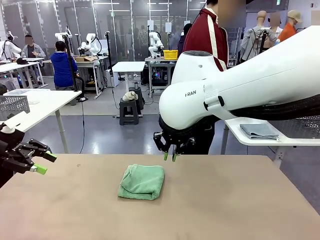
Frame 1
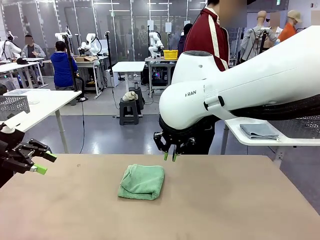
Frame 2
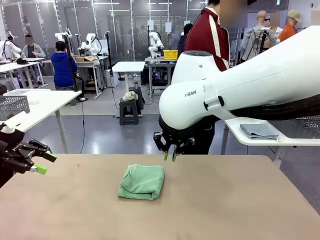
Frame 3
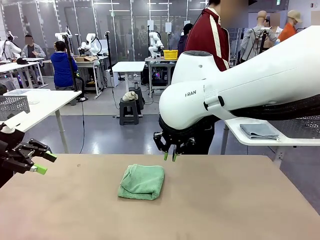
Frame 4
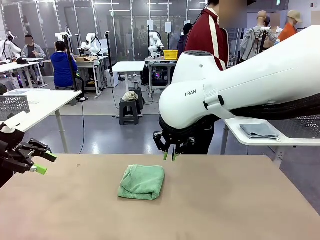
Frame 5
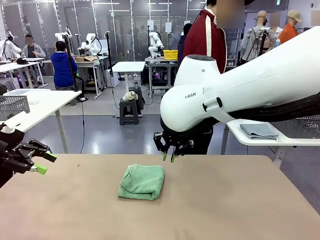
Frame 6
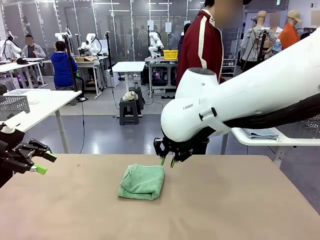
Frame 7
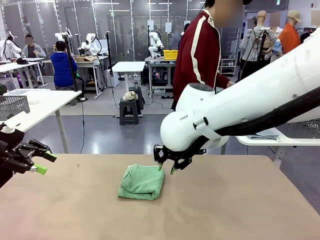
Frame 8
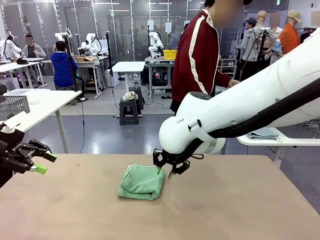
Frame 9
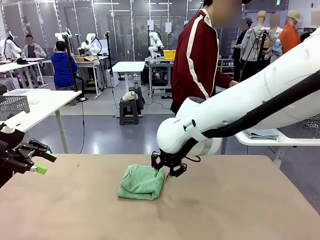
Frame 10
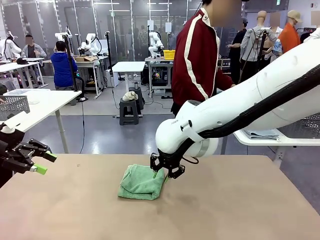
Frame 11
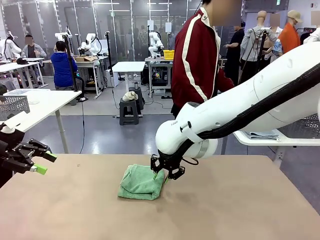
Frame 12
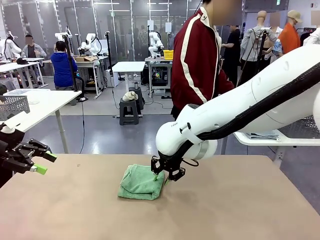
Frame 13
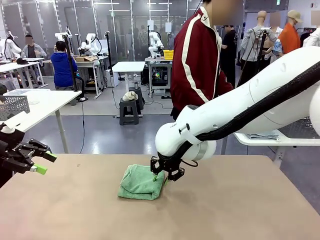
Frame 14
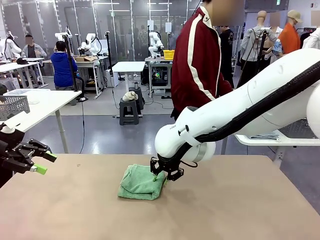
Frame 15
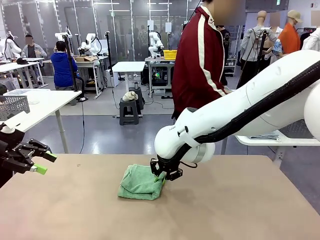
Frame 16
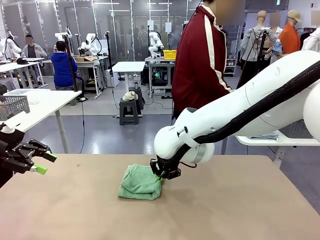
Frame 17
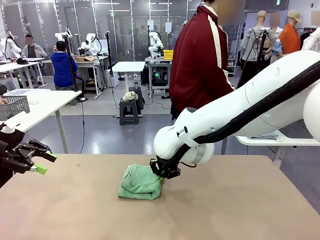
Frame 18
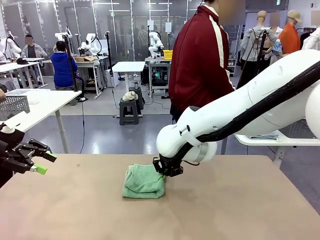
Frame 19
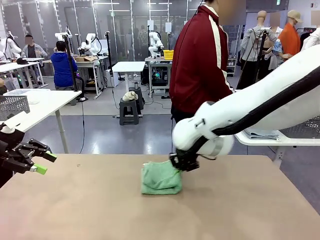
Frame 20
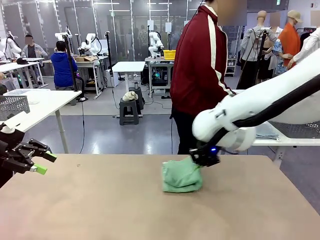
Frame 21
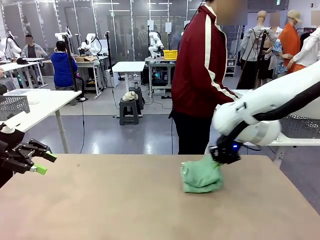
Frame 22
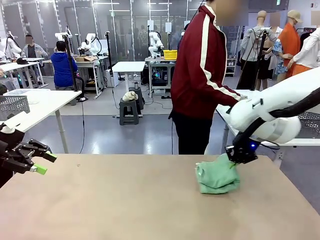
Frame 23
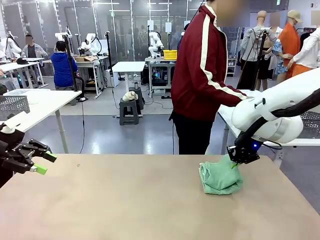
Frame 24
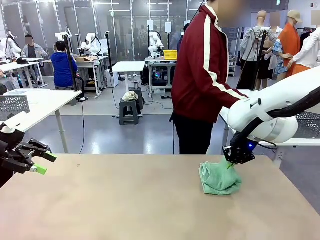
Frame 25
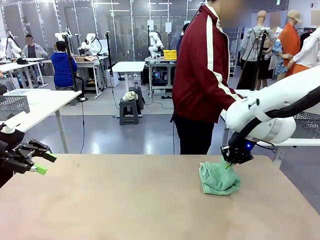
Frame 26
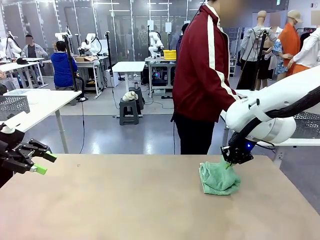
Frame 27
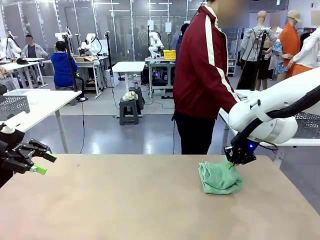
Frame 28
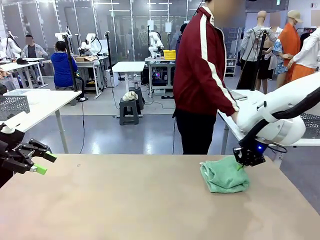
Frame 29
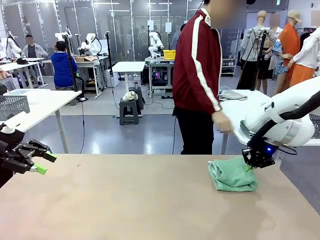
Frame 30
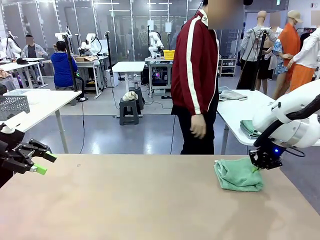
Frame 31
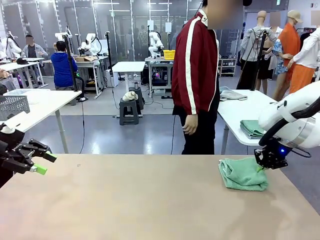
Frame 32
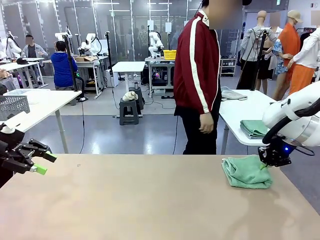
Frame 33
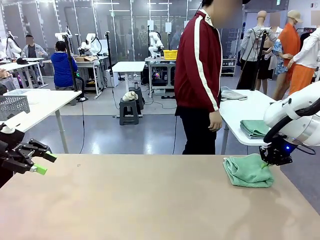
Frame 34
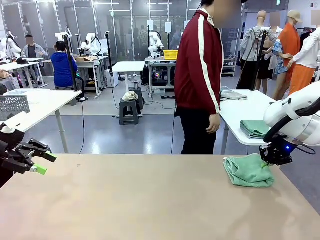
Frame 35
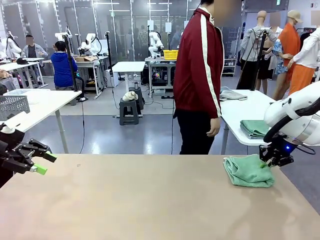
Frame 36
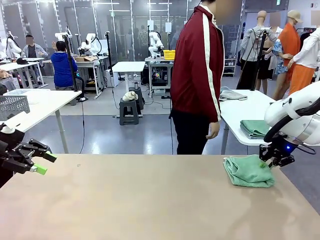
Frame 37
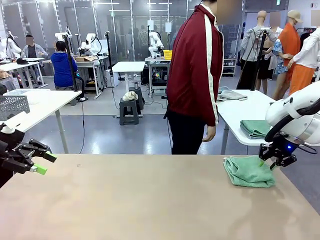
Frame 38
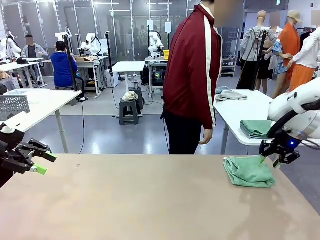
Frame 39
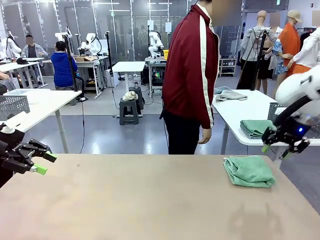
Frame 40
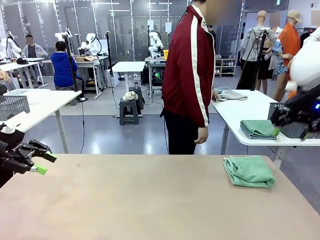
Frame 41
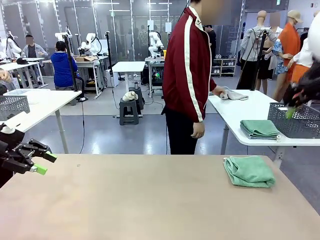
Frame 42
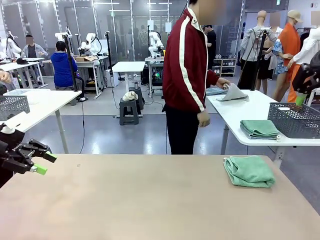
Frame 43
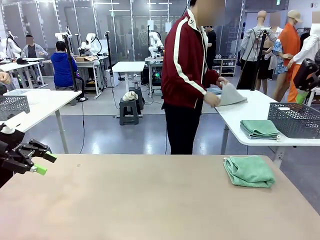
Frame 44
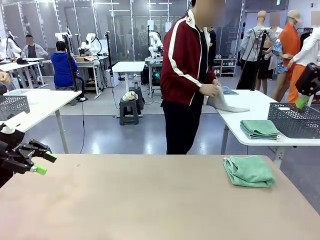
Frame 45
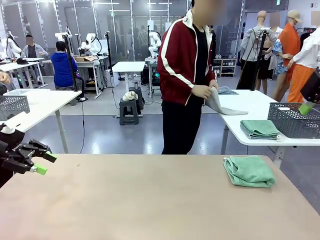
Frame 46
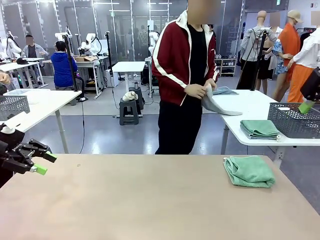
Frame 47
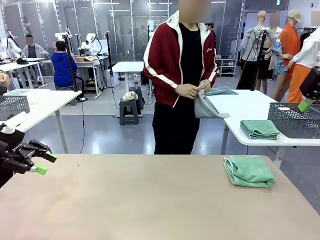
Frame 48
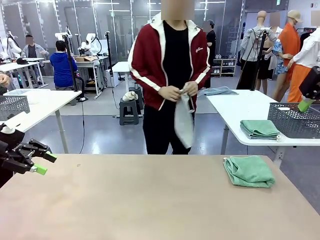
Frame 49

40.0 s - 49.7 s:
Task: Fold the towels and place them in the basket.
Robot: Place the folded Towel with hook on the right side of the table.

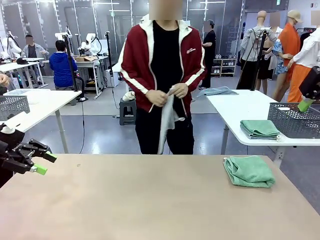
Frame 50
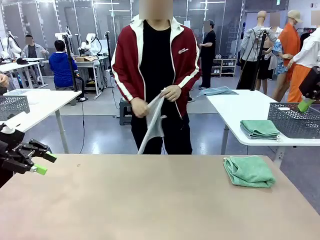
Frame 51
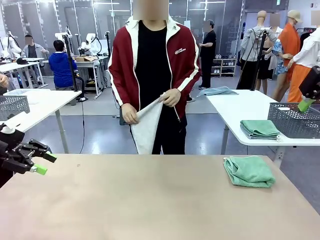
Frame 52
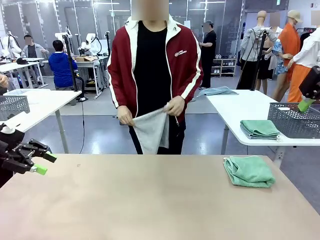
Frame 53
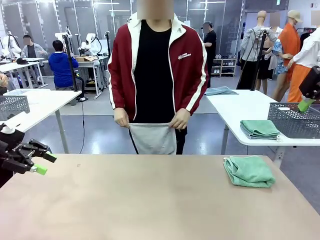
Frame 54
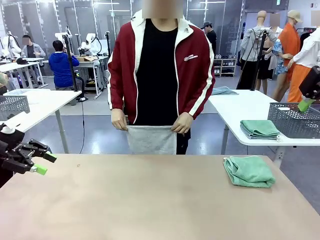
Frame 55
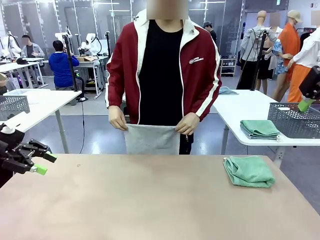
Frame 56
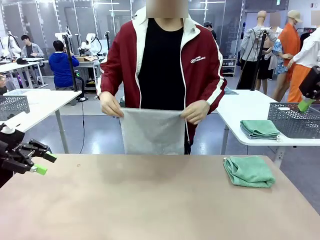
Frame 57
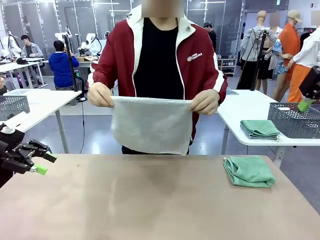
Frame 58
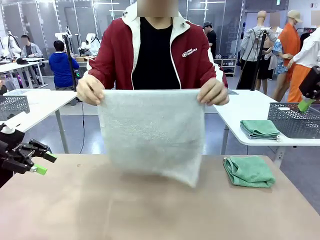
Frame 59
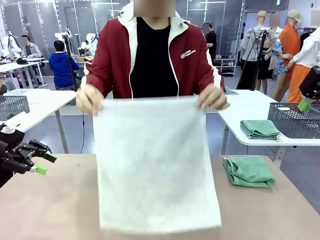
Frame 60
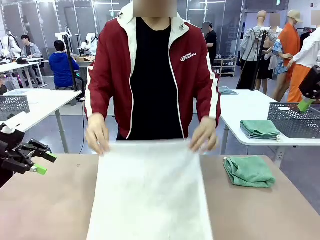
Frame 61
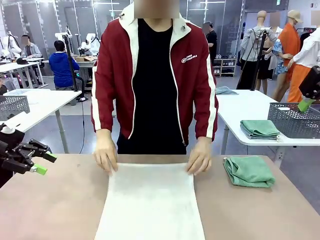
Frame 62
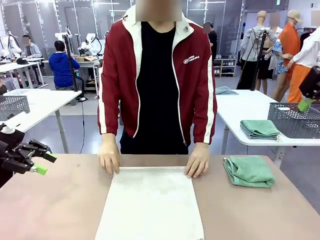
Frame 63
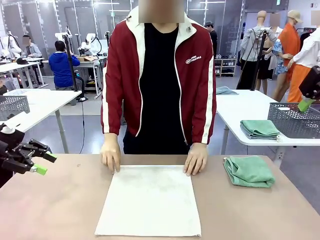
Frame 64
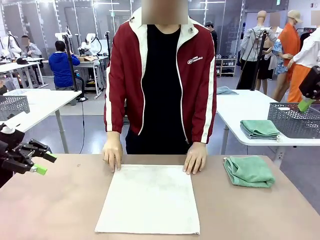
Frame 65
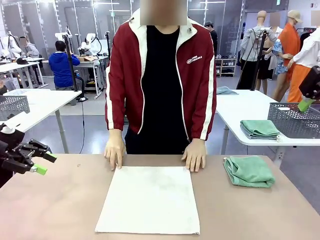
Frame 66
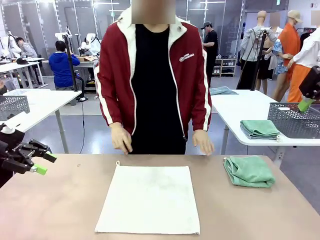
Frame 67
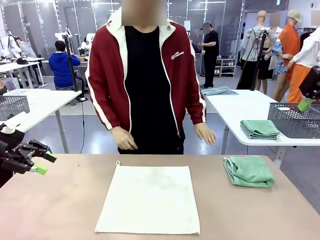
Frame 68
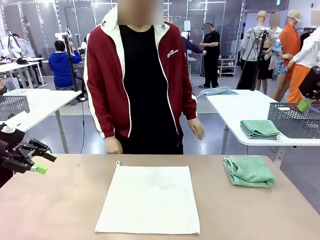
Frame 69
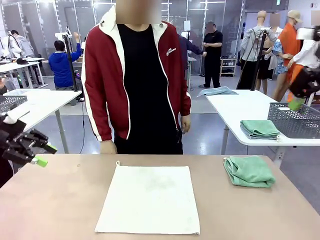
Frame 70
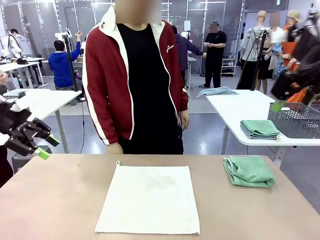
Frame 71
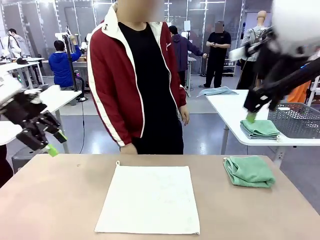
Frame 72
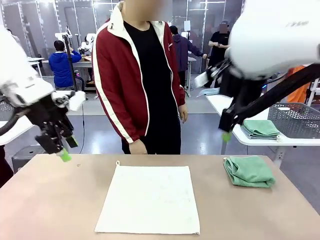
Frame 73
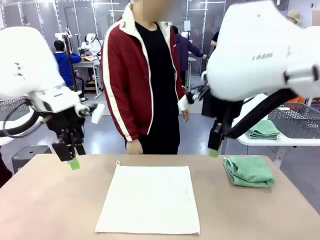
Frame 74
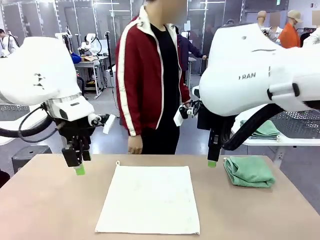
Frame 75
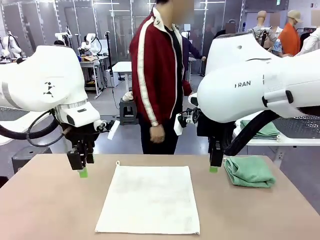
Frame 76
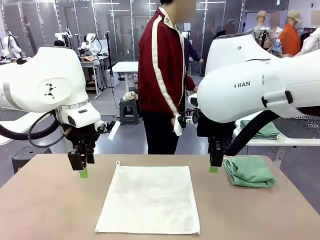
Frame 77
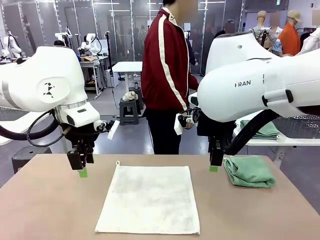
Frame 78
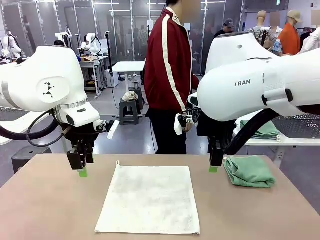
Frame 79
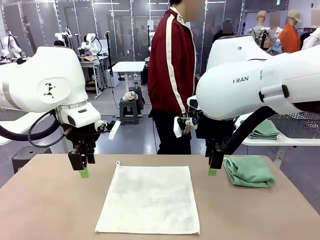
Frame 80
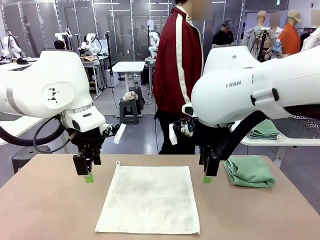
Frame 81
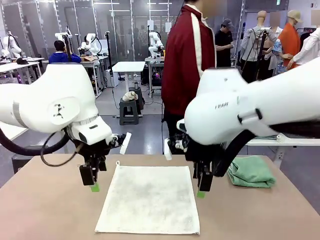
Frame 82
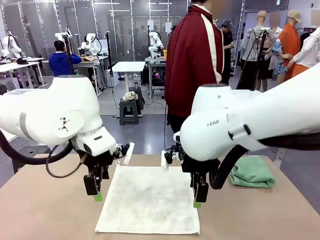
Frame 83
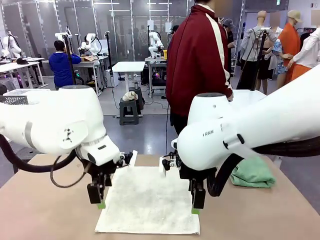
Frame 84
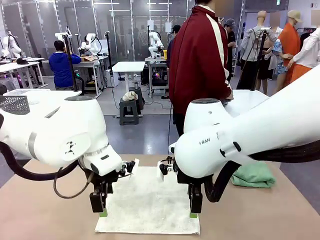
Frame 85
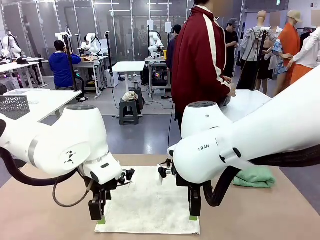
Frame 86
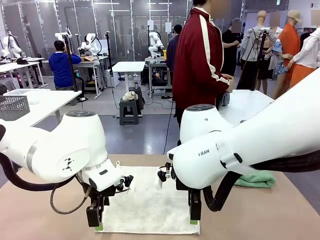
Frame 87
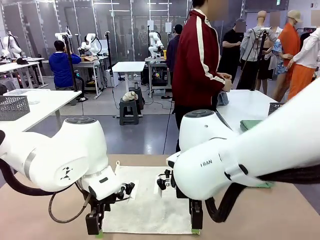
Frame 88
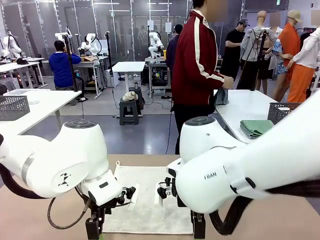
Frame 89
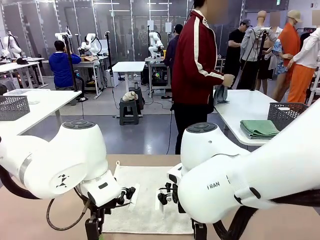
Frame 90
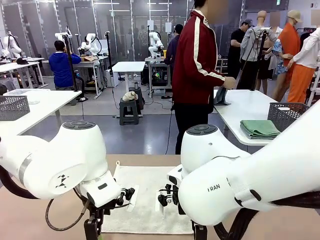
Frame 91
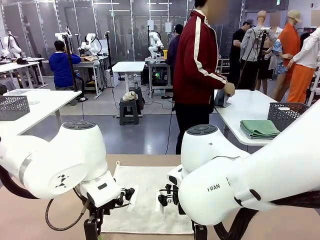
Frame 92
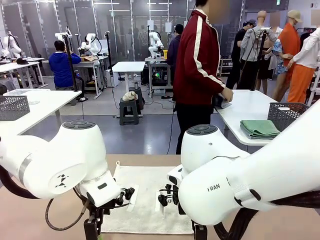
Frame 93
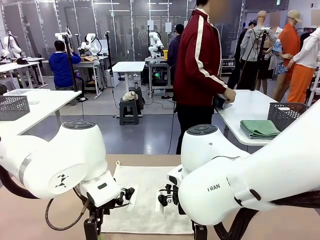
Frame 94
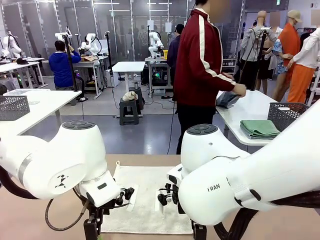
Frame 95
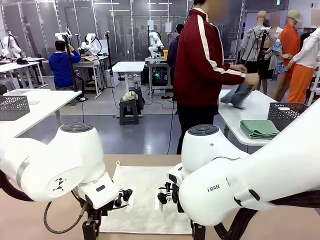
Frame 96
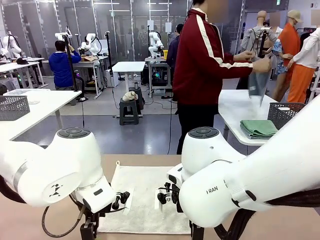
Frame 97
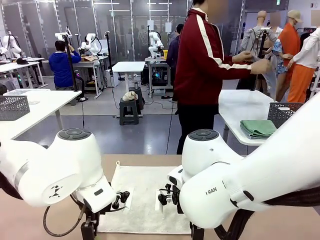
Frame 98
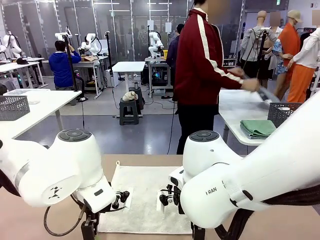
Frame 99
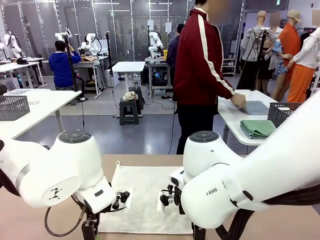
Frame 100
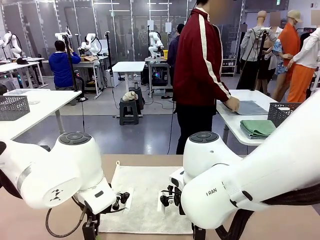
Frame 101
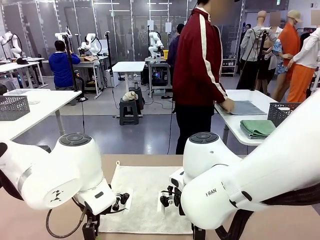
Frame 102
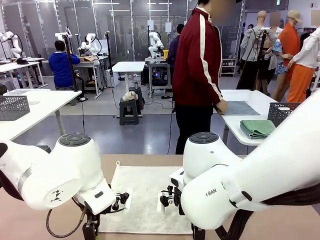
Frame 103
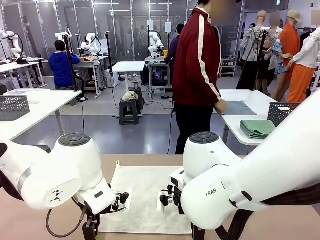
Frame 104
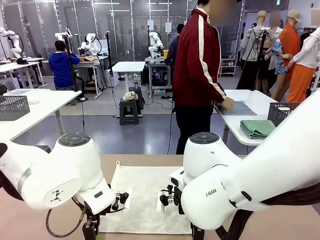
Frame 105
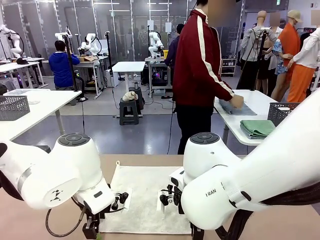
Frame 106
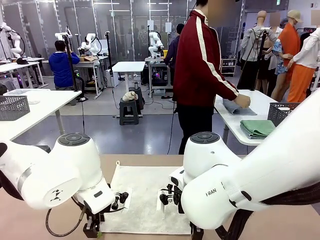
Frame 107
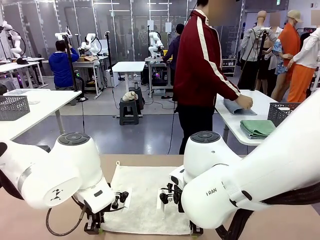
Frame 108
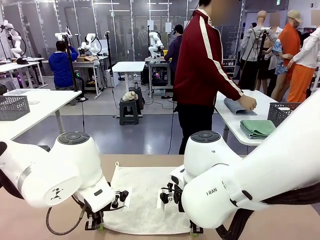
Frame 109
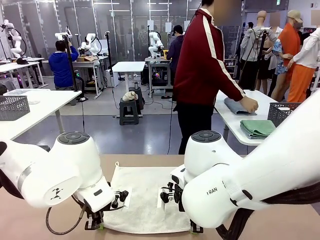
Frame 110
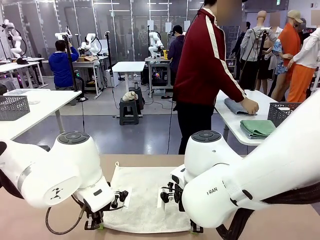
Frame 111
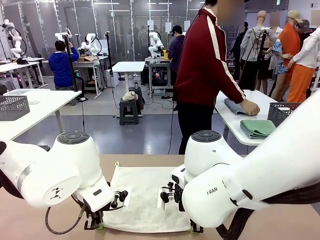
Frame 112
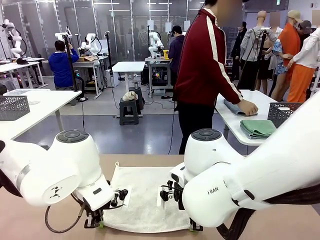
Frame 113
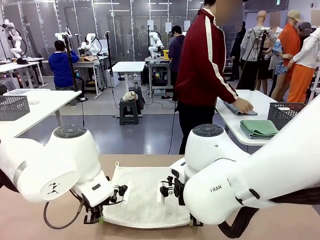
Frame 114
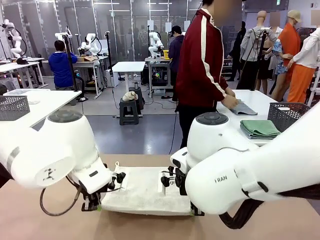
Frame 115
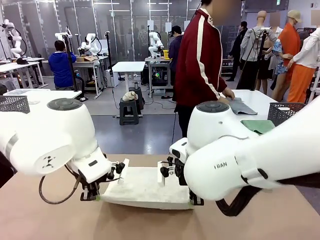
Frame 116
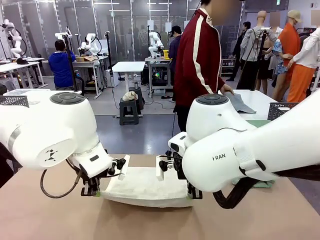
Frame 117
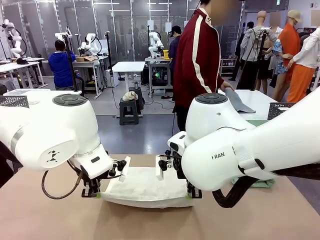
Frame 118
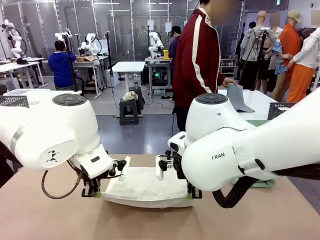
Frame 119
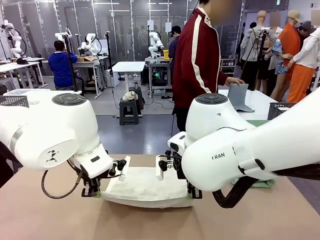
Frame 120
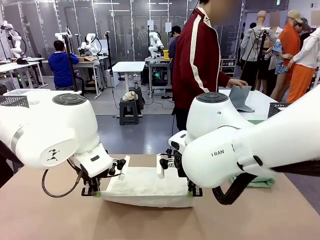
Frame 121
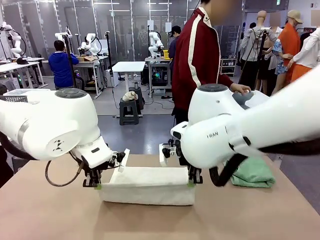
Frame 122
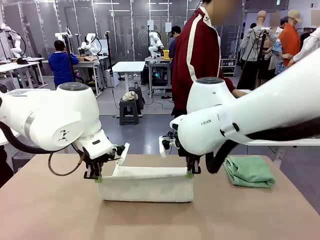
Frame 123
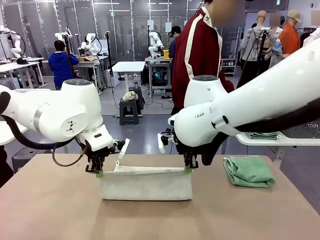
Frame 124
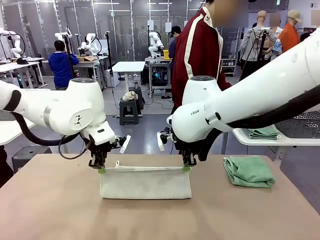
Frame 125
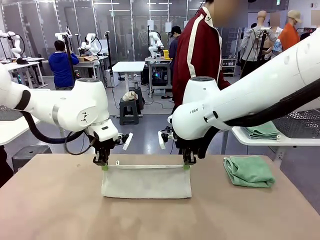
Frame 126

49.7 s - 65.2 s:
Robot: When a person lays out a Towel with hook on the table, fold it in half twice.
Person: Pick up one towel from the left side of the human table and spread it out at the center of the robot table. Pick up one towel from the left side of the human table, fold it in half twice, and stack it on the right side of the table.
